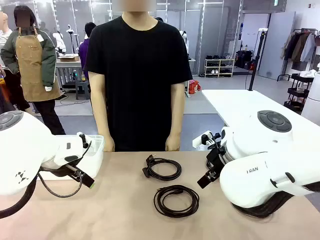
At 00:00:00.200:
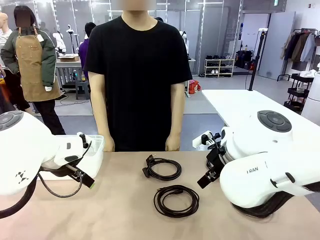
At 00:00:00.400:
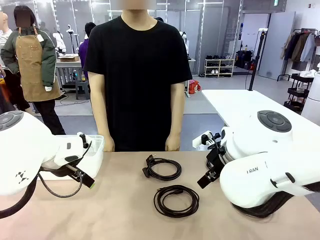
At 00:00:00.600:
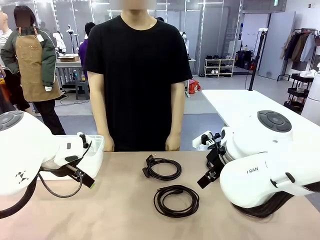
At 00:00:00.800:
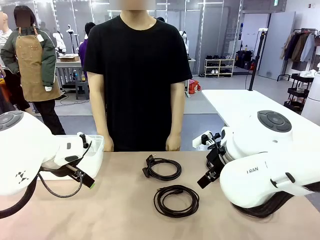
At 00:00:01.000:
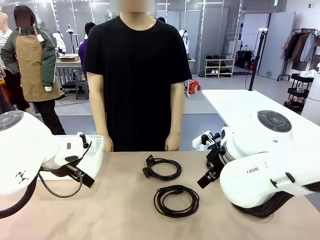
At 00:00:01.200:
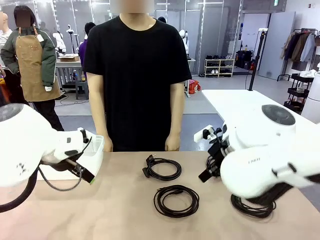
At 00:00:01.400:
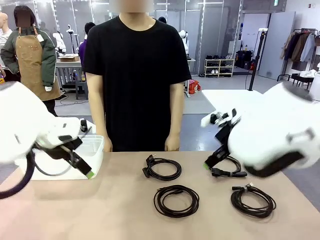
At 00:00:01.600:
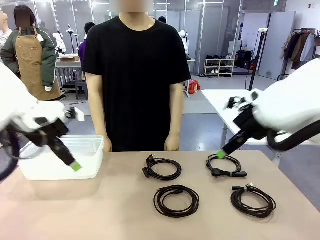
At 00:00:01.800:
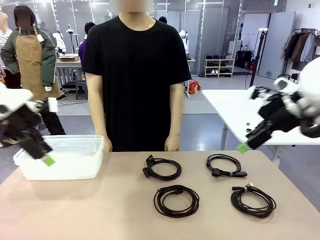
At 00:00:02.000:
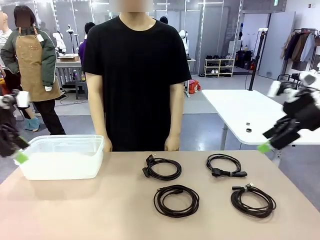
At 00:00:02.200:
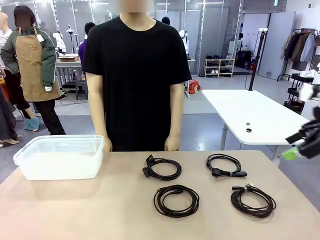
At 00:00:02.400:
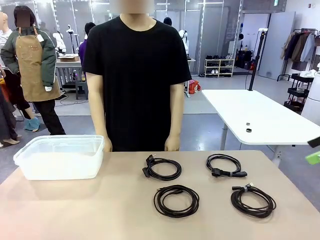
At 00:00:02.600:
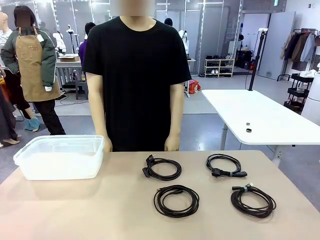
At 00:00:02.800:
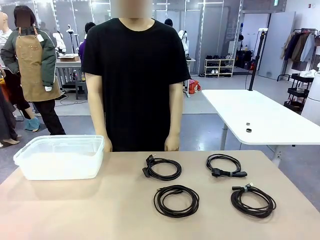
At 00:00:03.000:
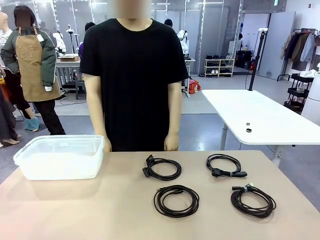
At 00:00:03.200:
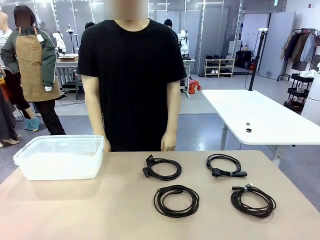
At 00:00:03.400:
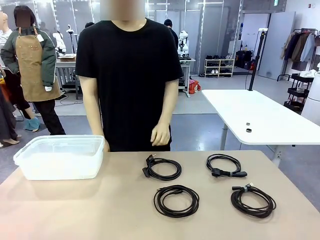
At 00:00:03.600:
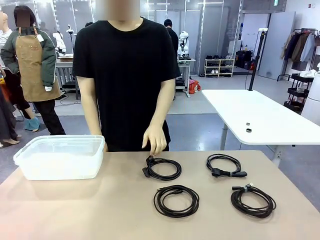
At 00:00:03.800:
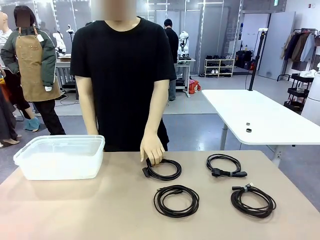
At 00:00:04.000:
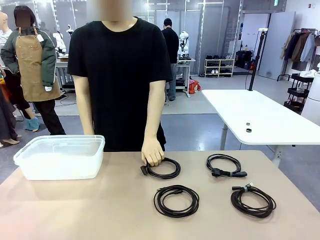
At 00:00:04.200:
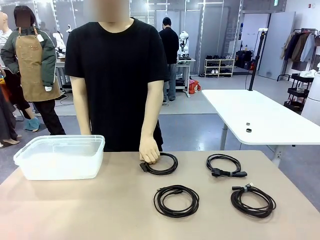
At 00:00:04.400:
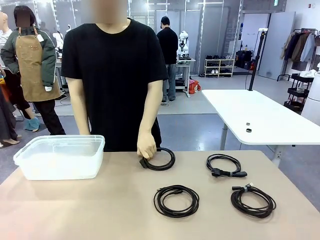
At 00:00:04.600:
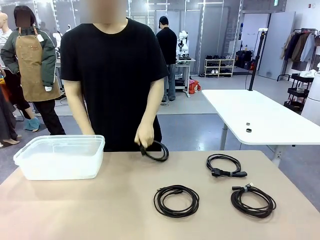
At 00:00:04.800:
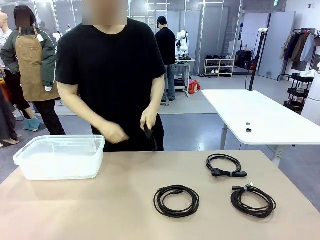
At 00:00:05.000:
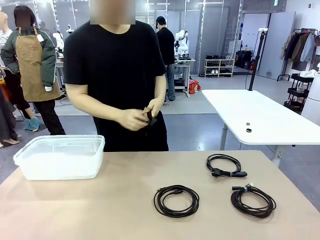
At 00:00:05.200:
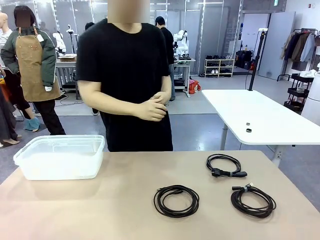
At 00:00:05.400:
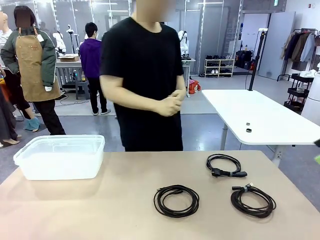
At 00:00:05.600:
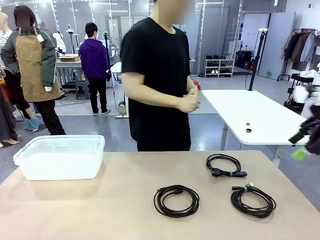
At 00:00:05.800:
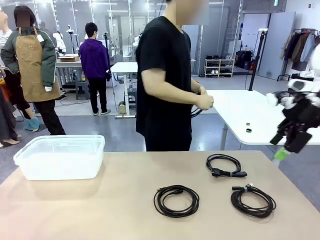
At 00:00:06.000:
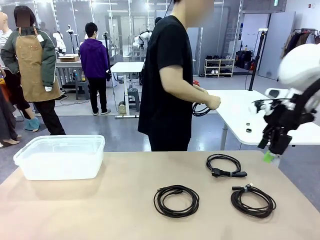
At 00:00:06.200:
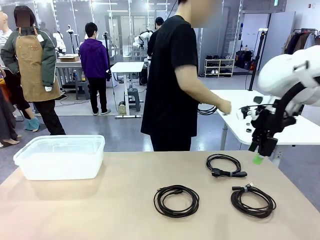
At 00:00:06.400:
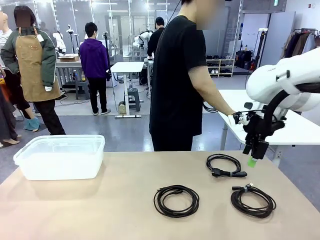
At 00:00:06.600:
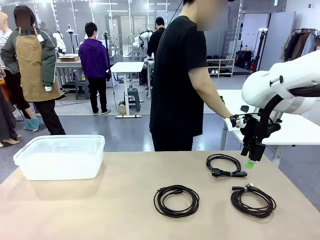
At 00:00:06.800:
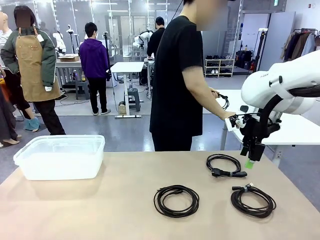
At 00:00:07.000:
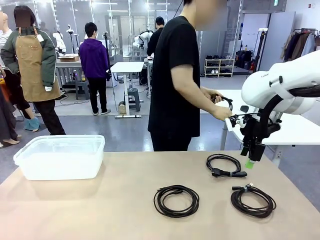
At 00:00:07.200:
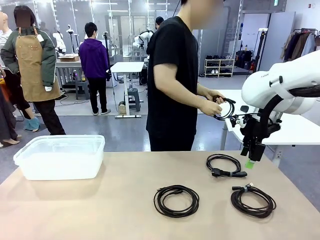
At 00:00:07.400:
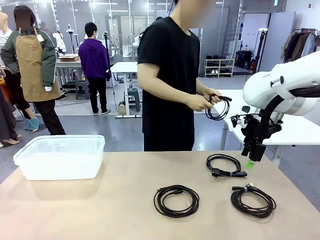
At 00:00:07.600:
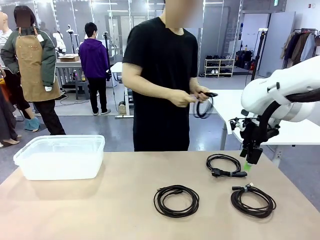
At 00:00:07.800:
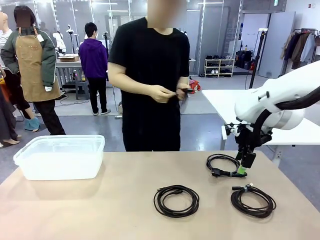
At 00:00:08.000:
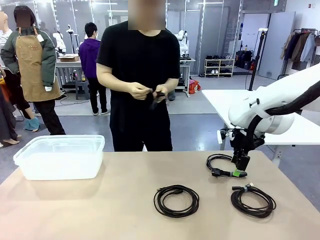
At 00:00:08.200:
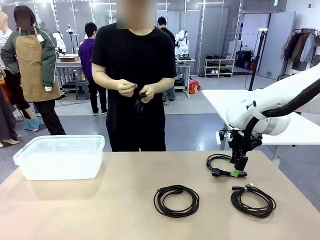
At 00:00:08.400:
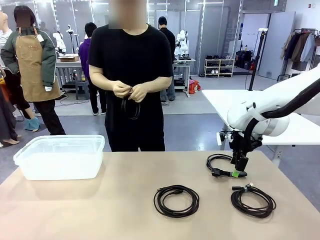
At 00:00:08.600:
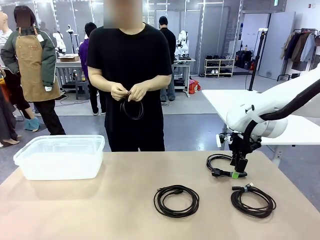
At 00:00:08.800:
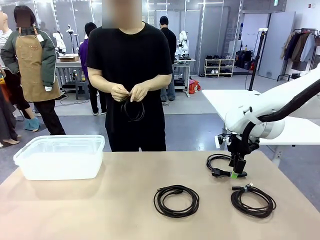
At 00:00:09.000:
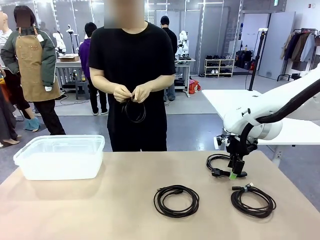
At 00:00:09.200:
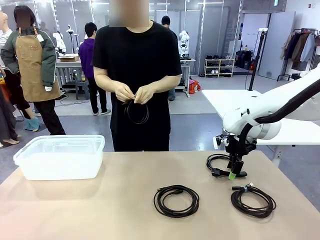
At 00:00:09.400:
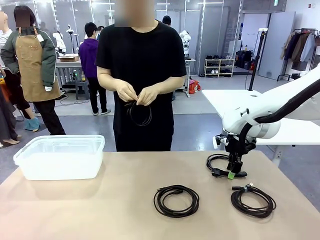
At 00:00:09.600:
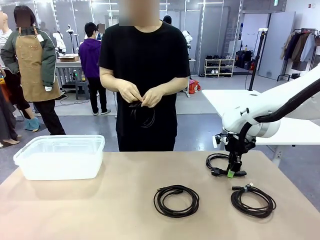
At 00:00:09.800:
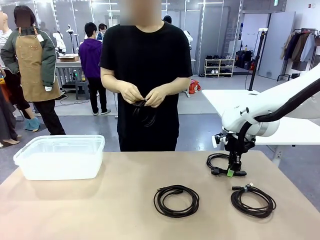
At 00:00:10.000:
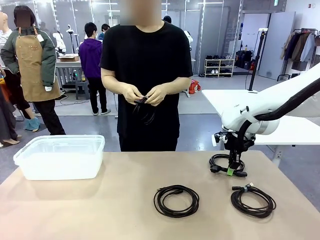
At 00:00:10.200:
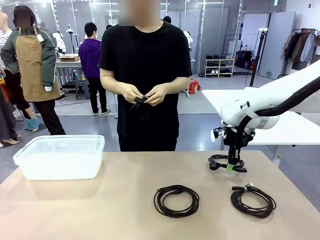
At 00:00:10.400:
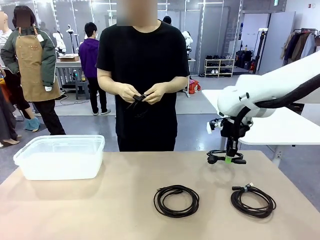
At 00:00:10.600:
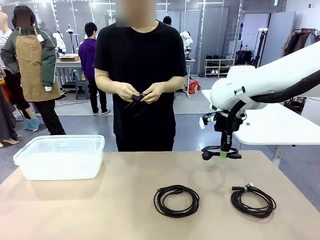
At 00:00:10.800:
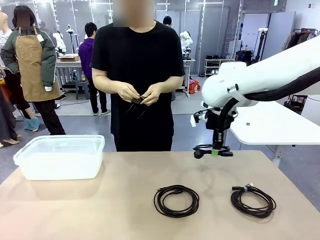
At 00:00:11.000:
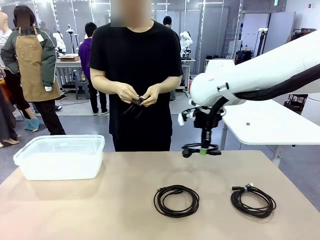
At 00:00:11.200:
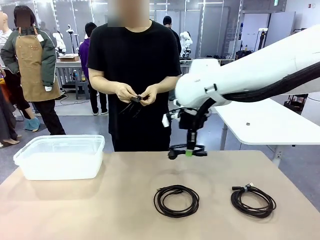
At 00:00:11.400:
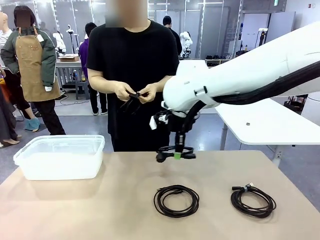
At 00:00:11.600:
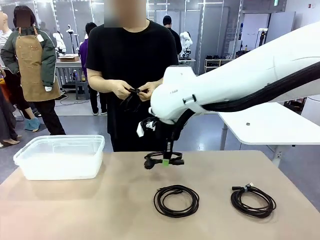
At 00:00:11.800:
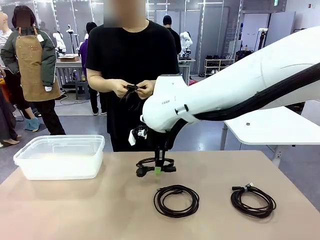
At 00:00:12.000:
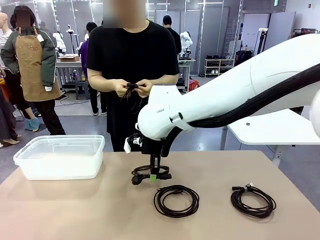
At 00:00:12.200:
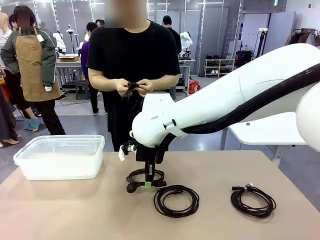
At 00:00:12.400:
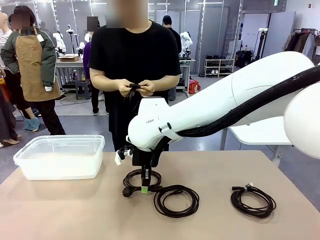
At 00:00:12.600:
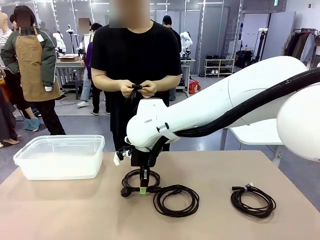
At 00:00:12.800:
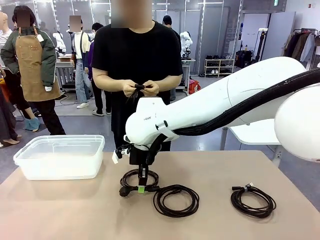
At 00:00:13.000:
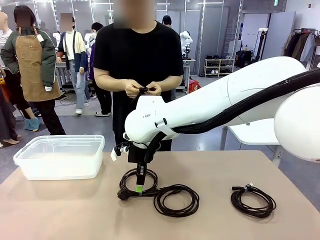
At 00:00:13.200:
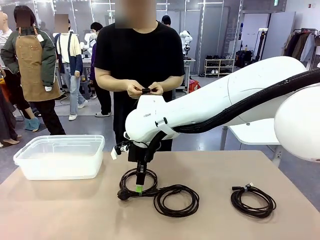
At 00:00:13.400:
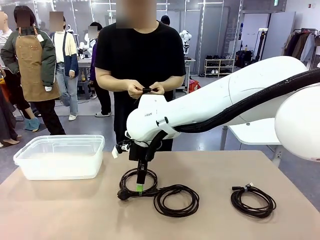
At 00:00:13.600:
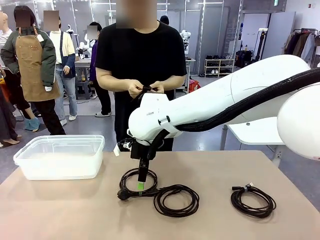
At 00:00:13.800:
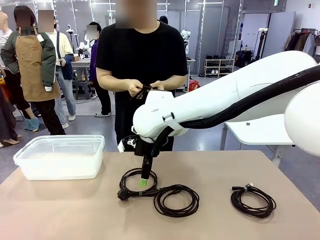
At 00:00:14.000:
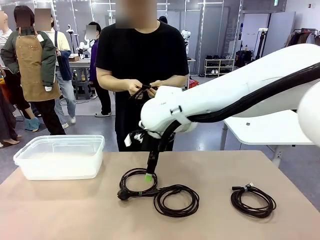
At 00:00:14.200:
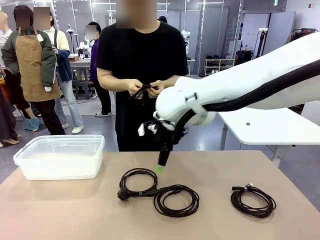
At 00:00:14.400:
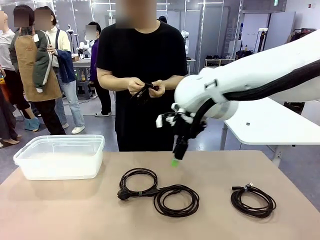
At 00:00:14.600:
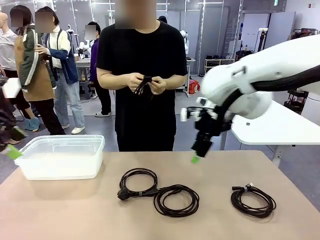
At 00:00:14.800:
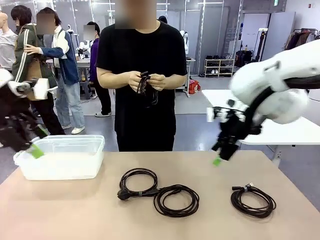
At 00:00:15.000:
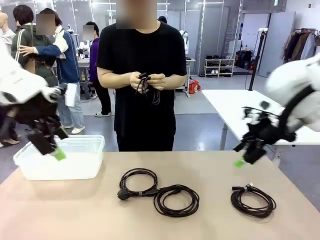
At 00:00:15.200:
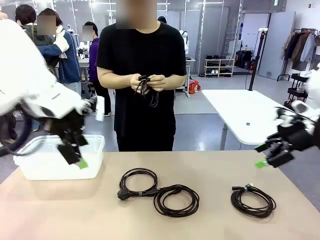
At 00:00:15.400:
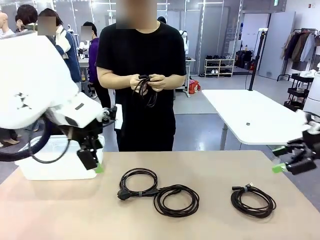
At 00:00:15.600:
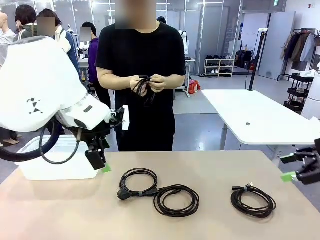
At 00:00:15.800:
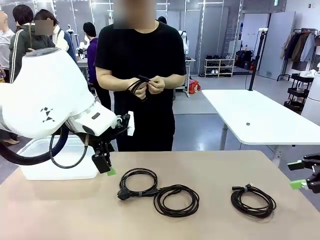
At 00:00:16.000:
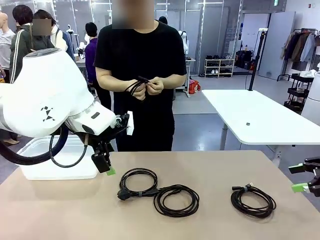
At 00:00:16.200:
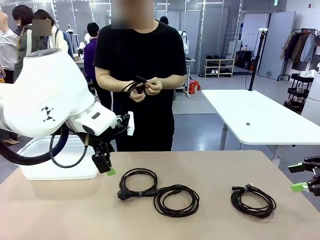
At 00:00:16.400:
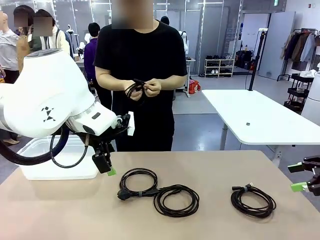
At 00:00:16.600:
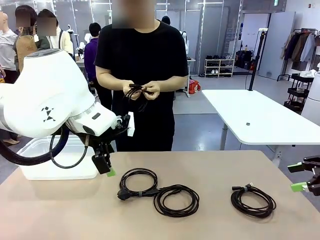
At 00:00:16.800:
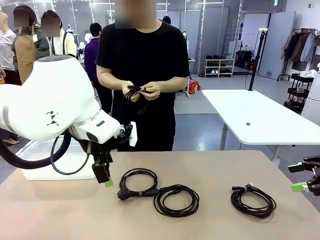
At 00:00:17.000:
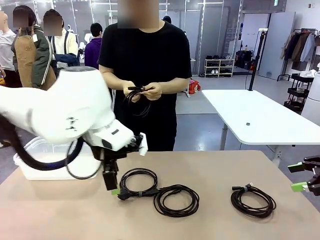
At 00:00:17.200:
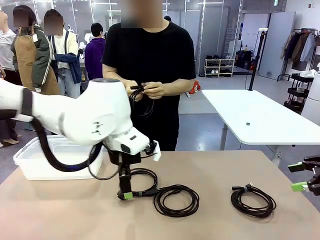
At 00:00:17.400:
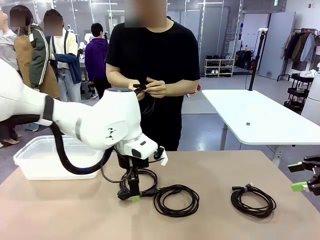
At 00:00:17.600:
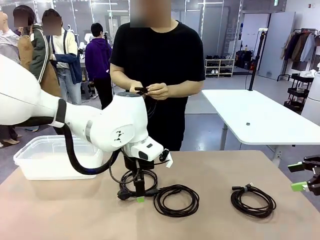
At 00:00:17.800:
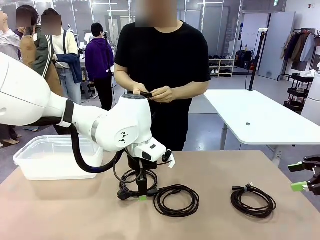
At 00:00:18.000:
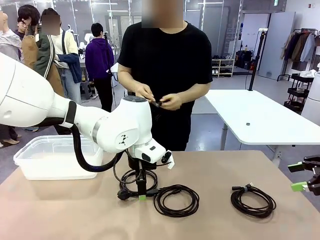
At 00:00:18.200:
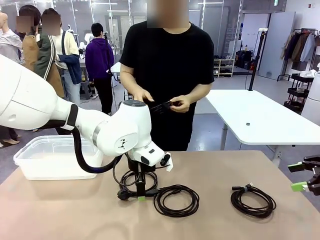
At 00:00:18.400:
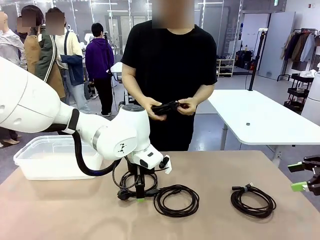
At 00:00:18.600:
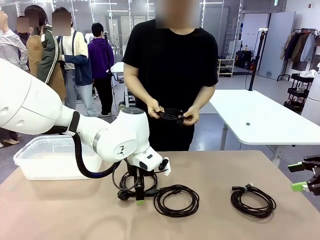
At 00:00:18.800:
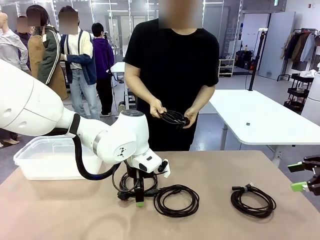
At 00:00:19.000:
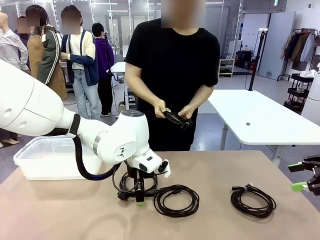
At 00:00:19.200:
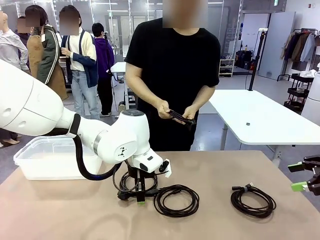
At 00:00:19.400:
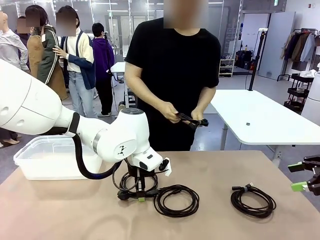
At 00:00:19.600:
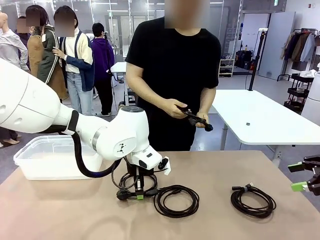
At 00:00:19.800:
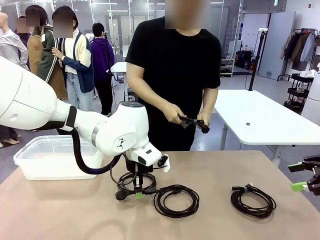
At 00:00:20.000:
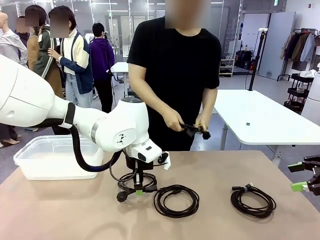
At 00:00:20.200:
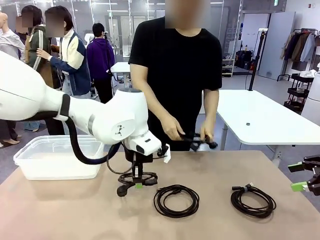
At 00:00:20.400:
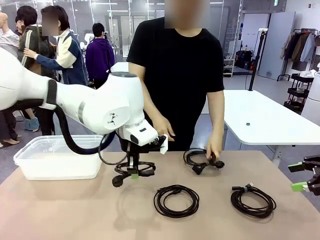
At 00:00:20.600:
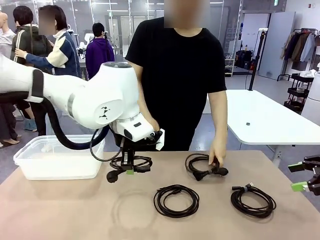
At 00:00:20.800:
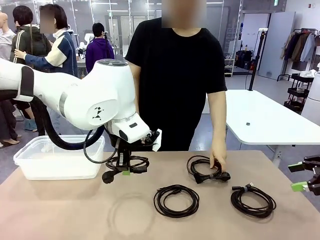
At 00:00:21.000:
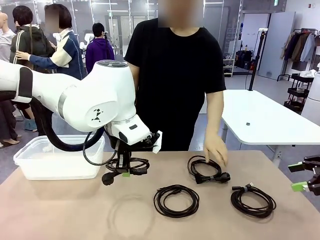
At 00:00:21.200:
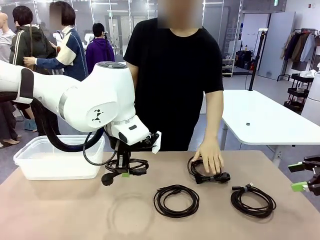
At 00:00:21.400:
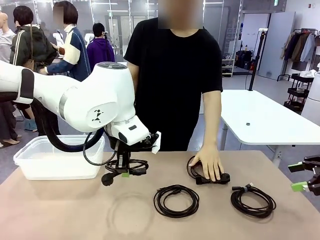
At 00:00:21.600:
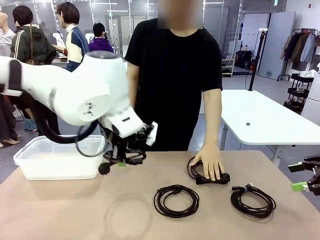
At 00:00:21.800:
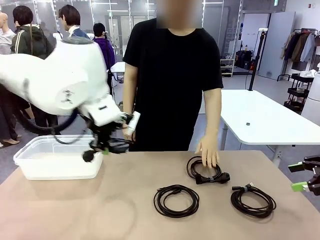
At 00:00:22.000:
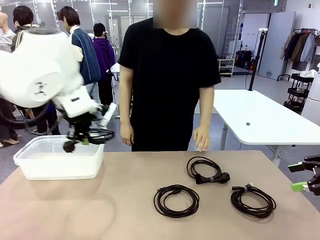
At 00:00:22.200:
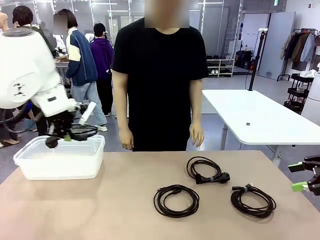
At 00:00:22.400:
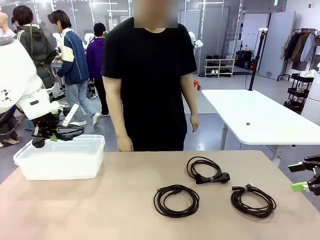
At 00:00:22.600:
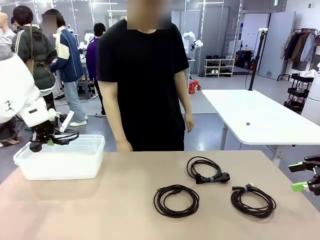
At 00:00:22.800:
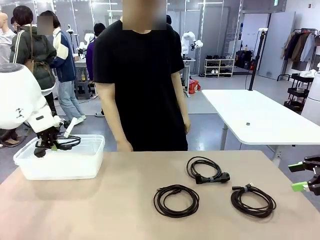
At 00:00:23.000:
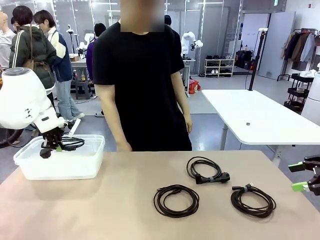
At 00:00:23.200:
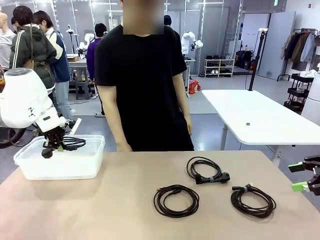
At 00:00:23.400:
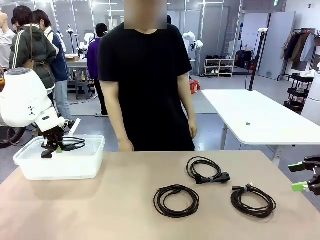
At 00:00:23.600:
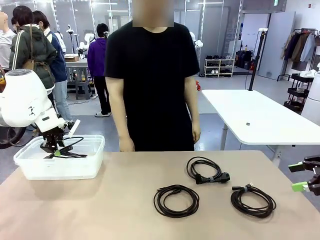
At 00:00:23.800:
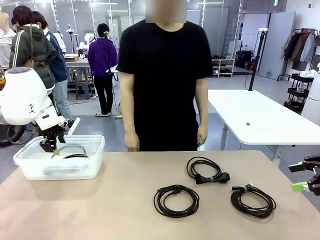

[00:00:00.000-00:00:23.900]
Task: Organize and store the cables.
Robot: Place the Power Cable into the Organizing box.
Person: Tie one Power Cable with a Reusable Cable Tie.
